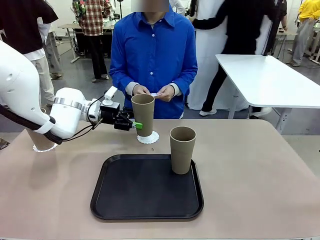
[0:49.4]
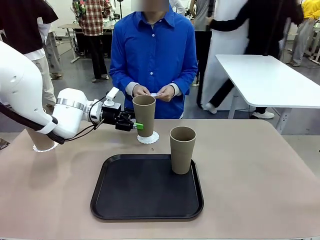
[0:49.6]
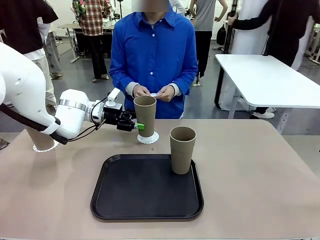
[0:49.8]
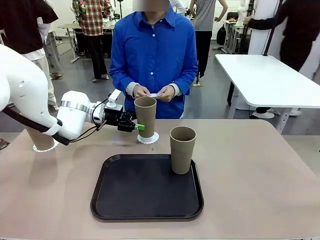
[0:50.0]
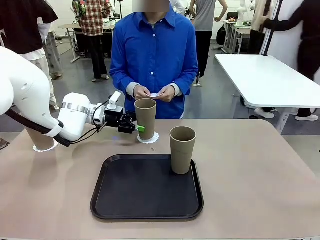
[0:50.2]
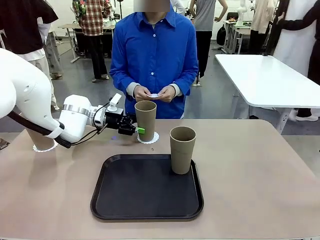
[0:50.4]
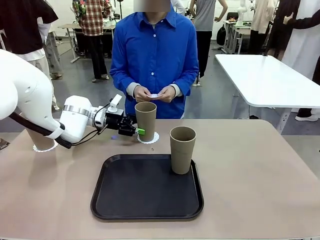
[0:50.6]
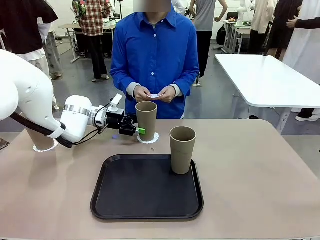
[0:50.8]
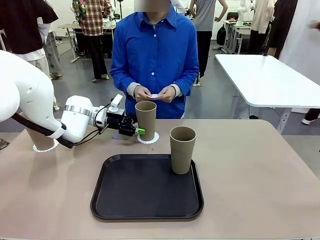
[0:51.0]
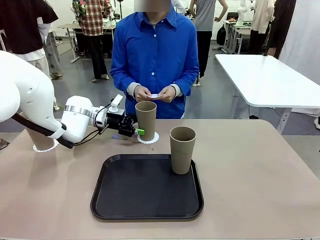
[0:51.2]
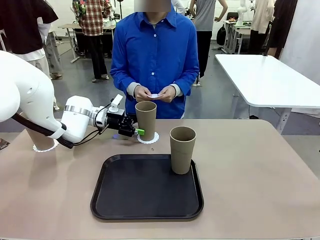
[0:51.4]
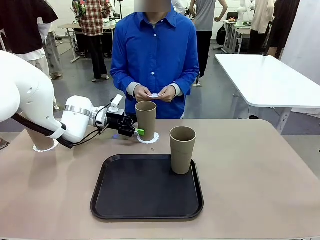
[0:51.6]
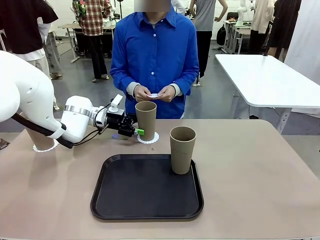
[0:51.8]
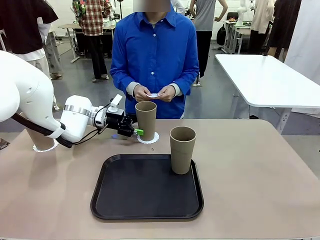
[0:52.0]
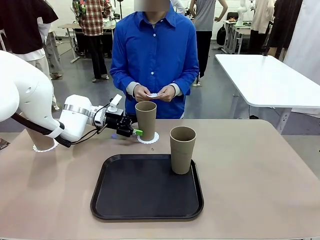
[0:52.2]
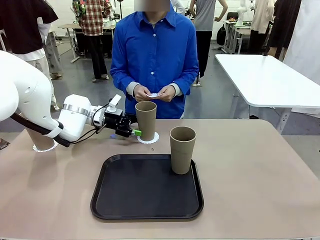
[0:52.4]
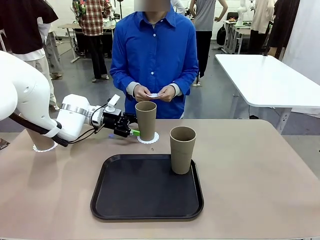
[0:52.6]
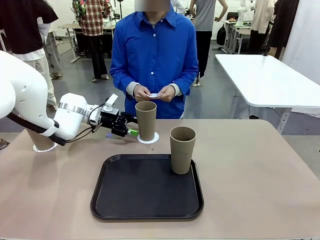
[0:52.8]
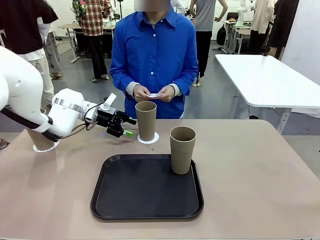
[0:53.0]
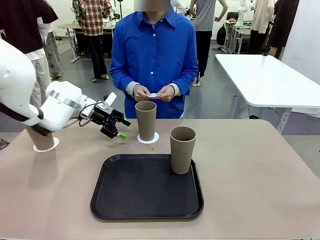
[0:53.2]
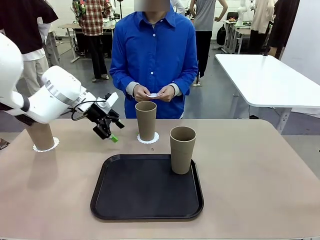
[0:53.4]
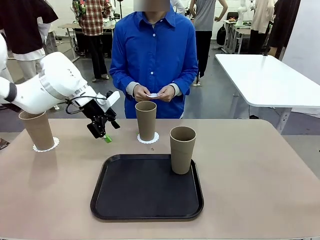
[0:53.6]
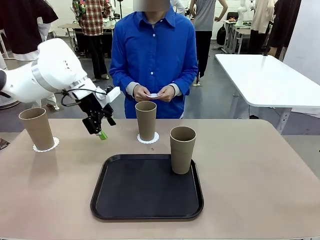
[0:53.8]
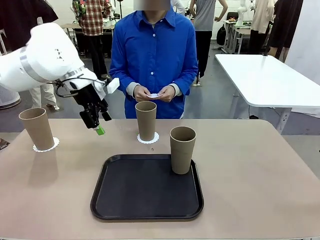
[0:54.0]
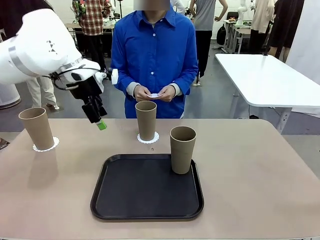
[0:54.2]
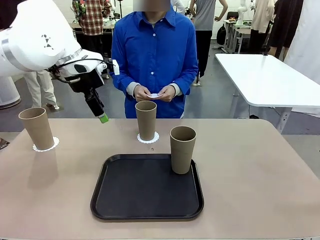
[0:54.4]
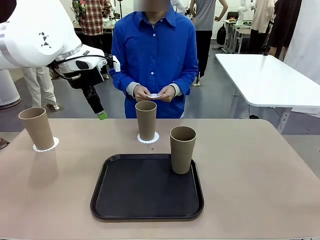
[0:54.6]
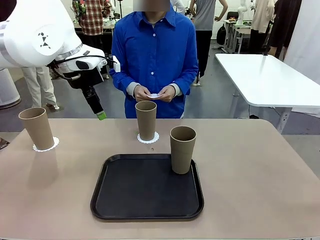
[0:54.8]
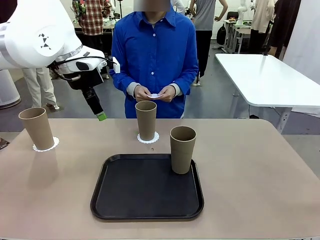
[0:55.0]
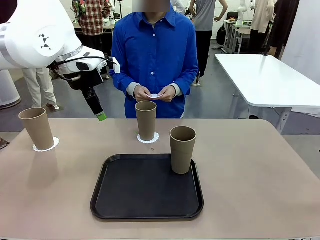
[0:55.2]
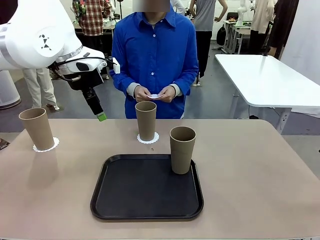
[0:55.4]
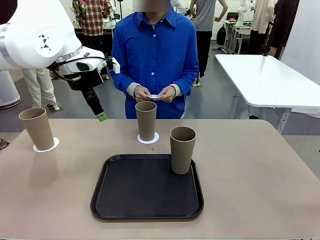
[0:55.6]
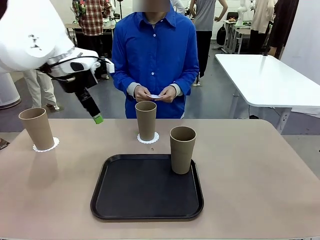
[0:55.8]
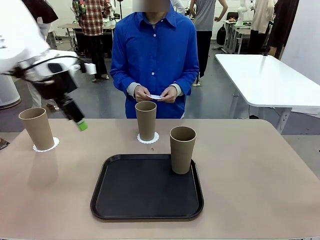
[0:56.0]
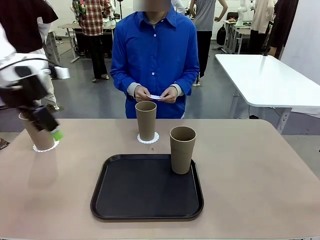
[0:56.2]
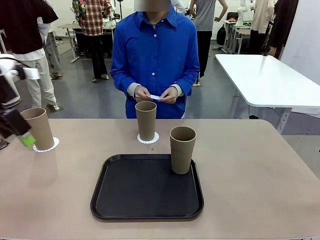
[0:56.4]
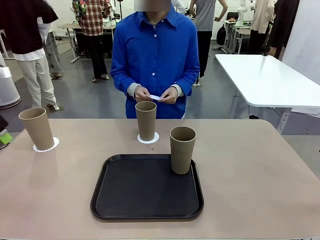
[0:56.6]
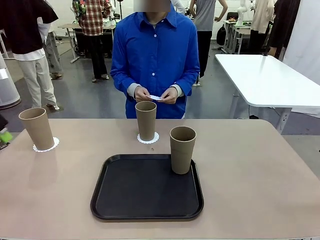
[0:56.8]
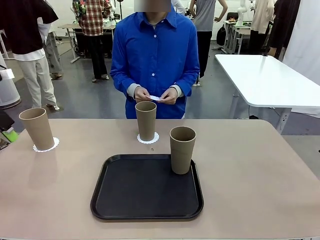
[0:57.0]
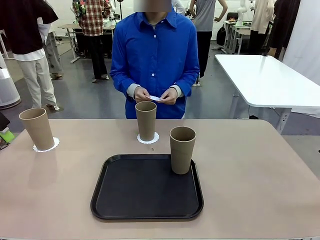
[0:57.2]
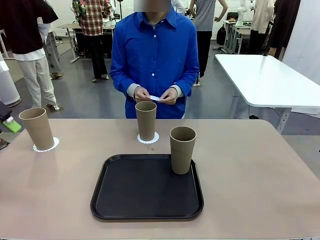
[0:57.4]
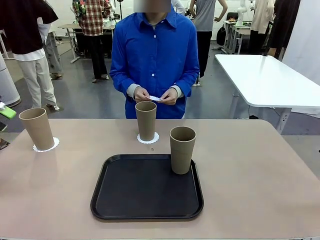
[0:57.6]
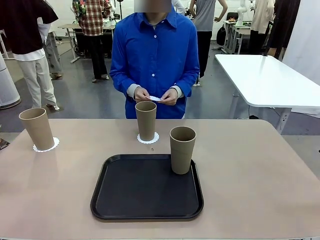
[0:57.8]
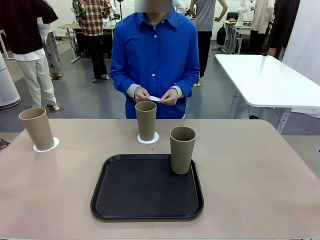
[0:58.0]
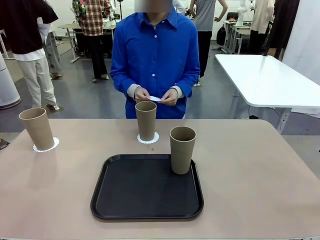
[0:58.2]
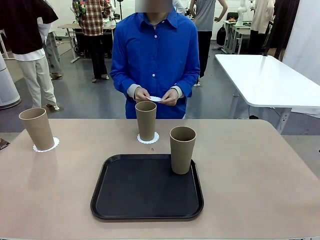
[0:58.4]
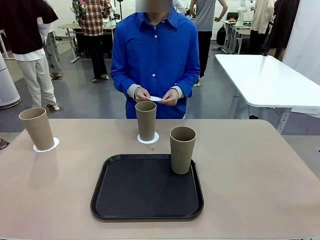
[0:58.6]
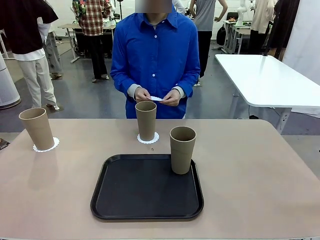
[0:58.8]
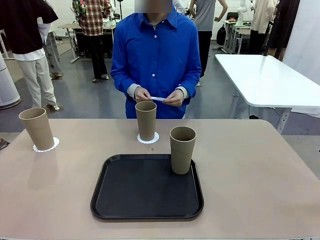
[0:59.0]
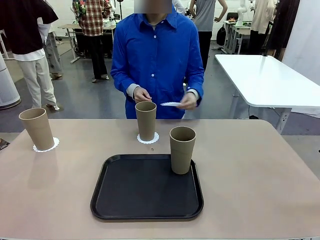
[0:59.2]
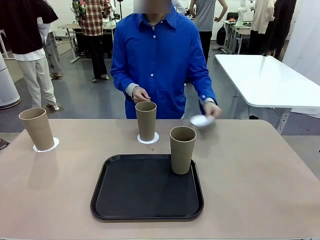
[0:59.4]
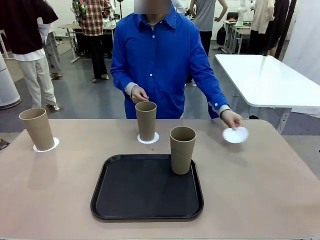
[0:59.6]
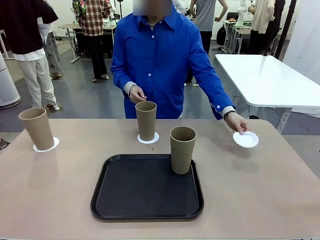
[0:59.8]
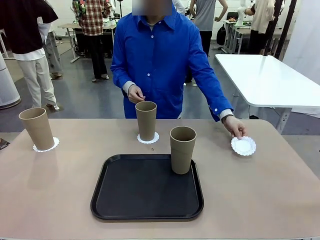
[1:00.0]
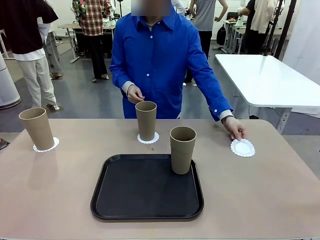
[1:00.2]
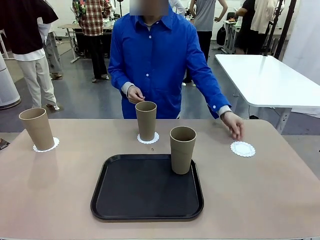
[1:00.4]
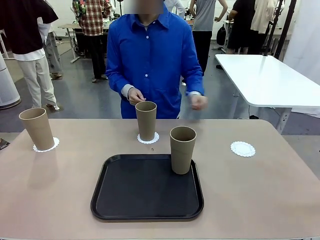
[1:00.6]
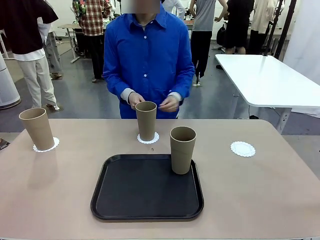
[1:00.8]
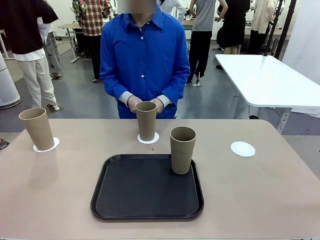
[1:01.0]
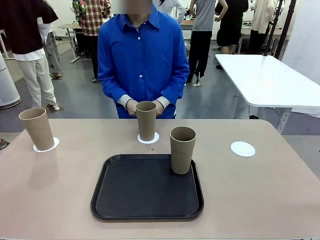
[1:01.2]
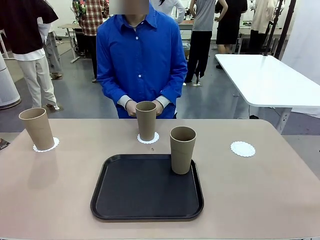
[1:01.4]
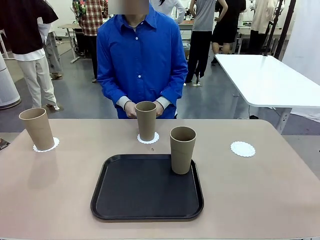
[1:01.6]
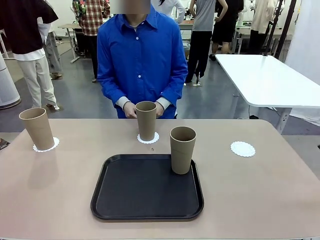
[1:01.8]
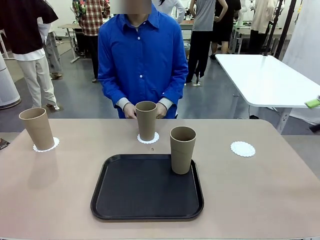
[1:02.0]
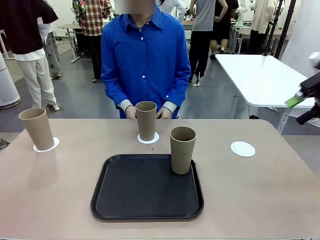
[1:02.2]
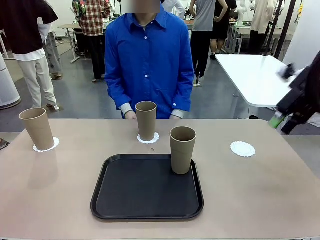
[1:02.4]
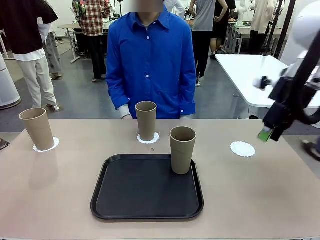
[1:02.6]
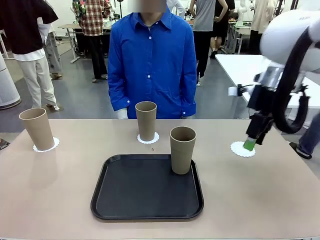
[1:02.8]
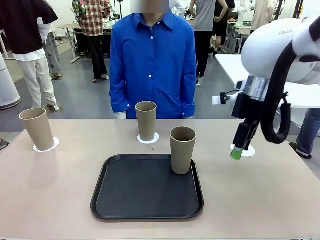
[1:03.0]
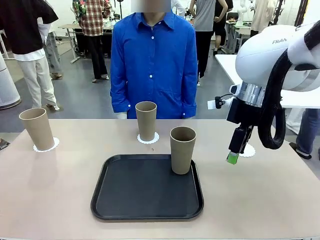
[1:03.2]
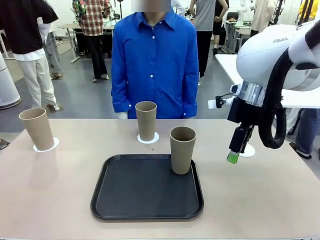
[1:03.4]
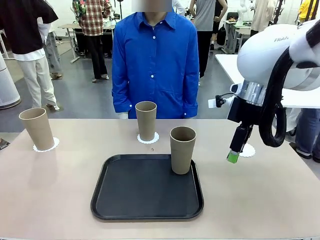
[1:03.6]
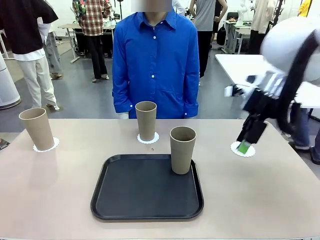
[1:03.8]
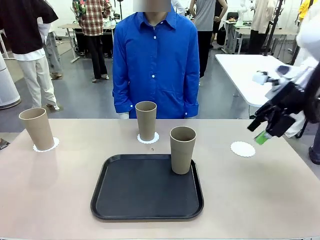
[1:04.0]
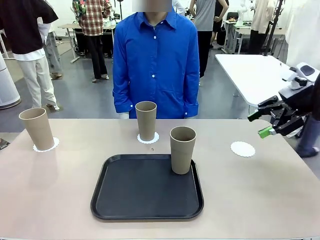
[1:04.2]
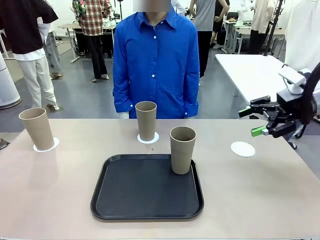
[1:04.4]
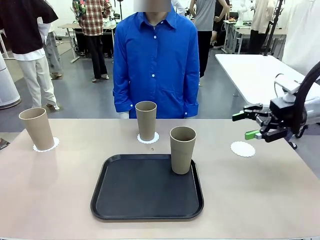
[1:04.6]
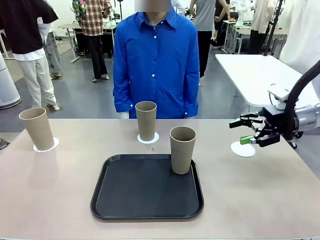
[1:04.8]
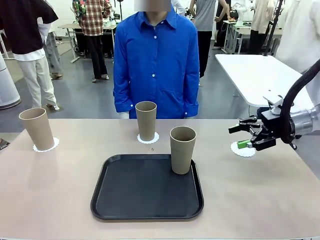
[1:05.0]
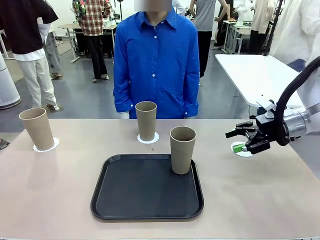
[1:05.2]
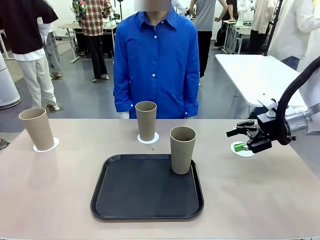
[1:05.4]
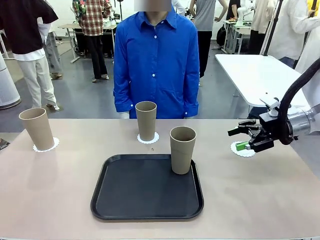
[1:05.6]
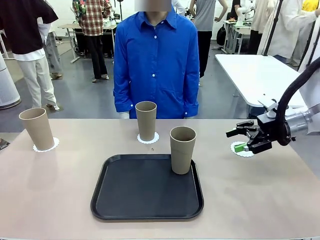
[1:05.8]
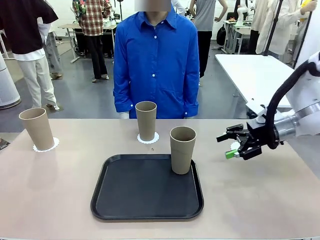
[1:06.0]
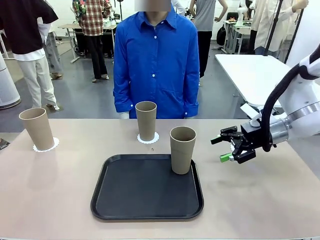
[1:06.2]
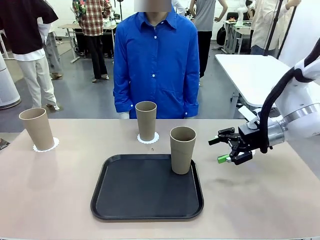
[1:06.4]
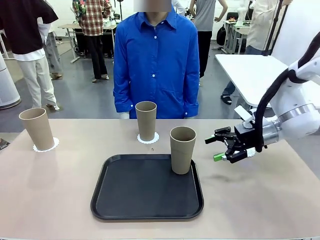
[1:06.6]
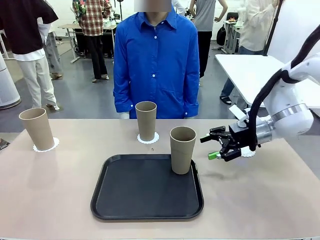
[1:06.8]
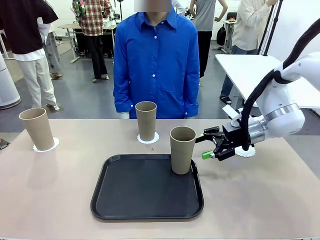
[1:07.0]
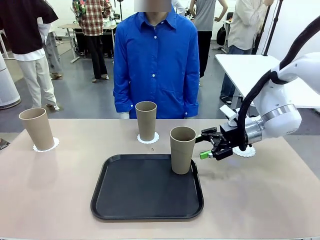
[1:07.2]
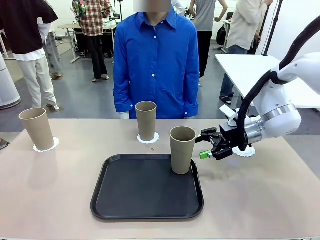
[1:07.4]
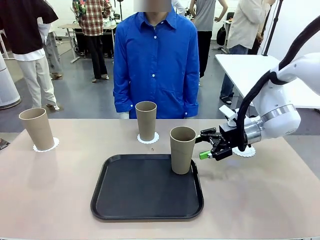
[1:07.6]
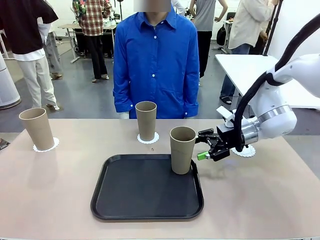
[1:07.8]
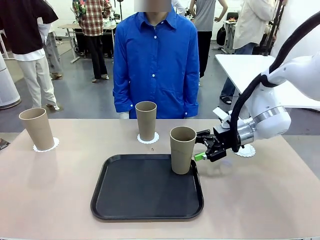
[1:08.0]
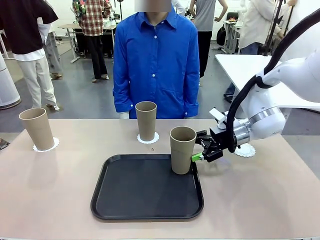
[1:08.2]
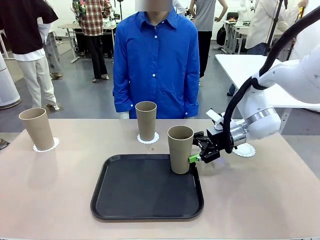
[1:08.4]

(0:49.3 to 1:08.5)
Task: Place coasters on the table and set cups on them.
Robot: Take one Reusable plastic cup from the Flat Tray and place it on a coaster set by the human.
